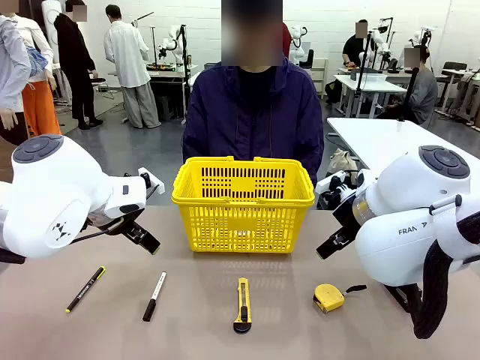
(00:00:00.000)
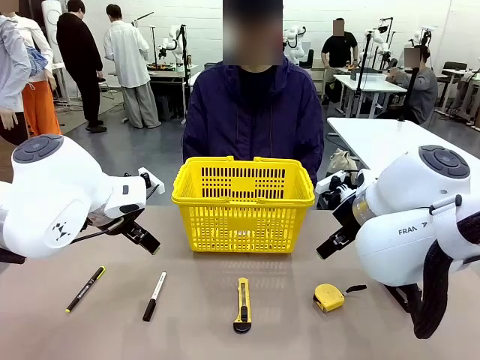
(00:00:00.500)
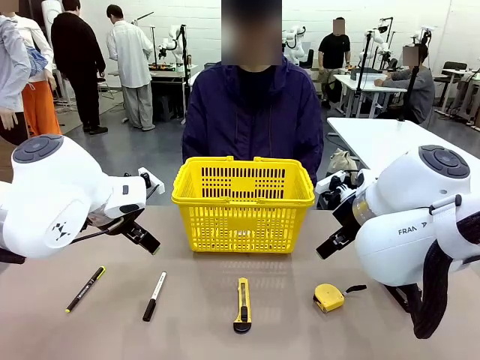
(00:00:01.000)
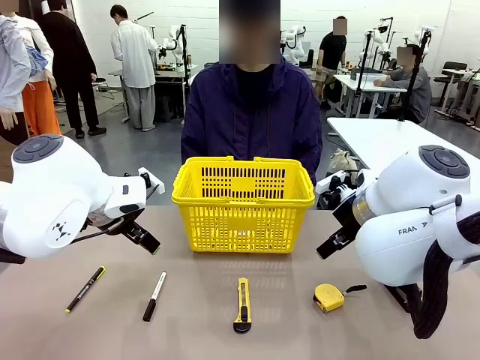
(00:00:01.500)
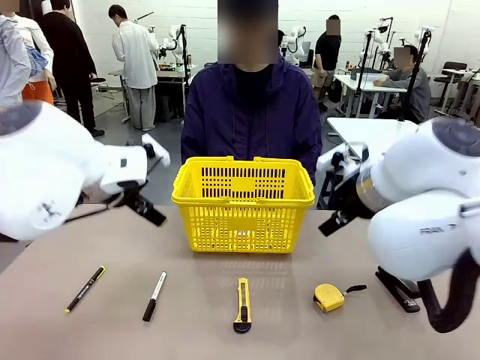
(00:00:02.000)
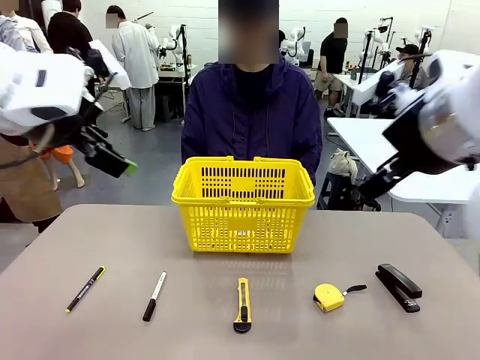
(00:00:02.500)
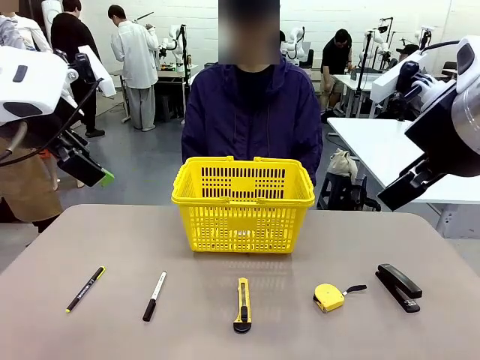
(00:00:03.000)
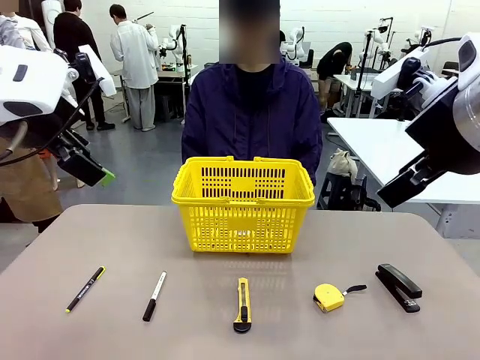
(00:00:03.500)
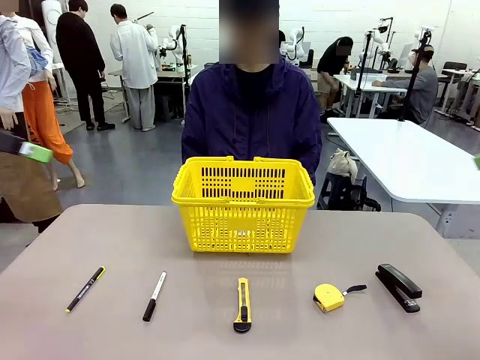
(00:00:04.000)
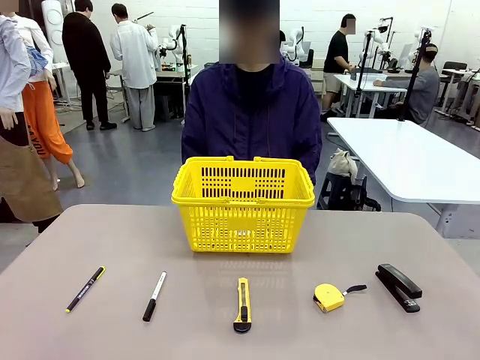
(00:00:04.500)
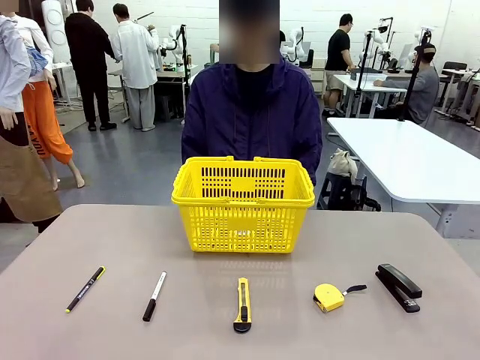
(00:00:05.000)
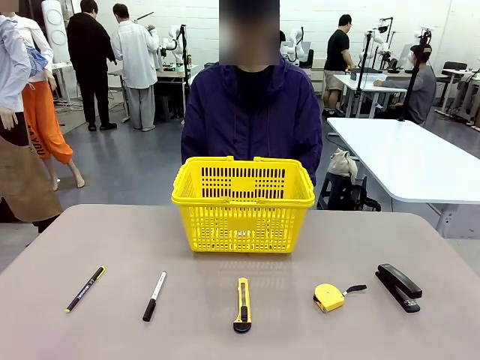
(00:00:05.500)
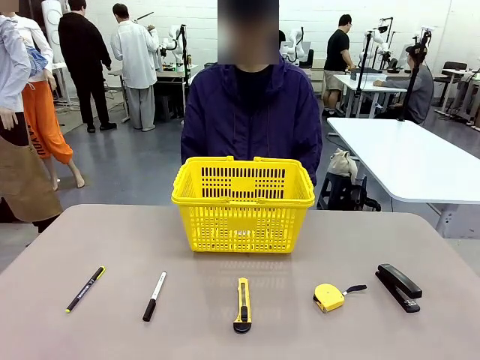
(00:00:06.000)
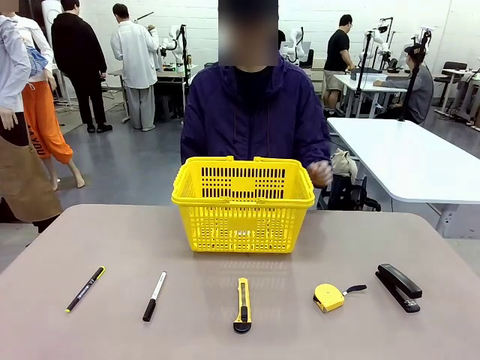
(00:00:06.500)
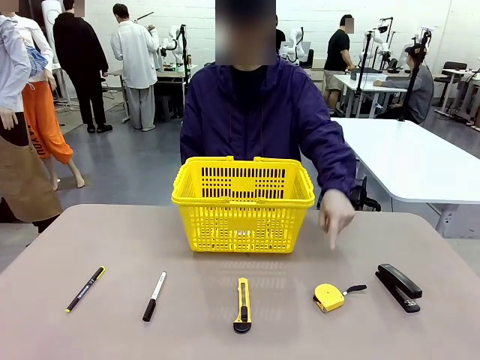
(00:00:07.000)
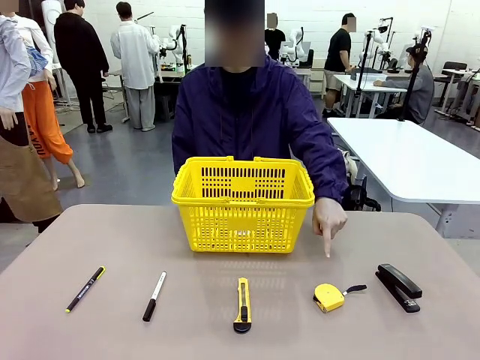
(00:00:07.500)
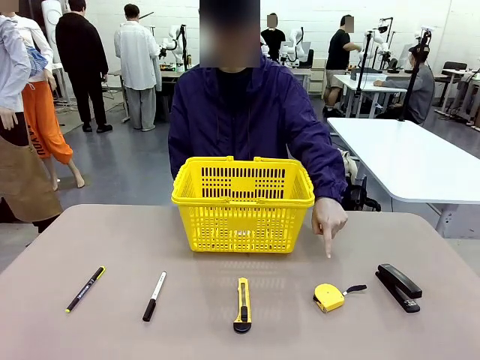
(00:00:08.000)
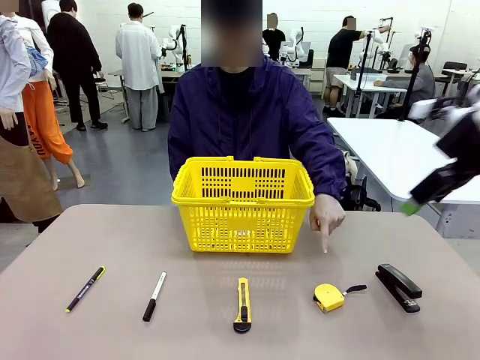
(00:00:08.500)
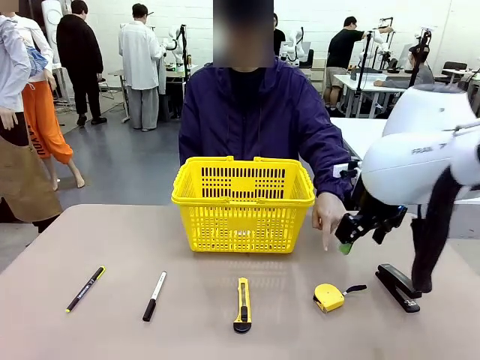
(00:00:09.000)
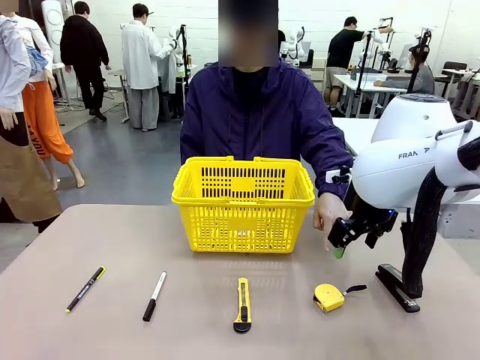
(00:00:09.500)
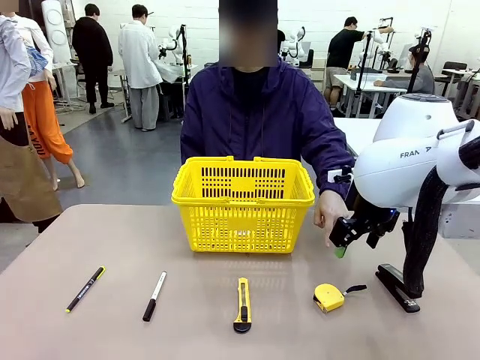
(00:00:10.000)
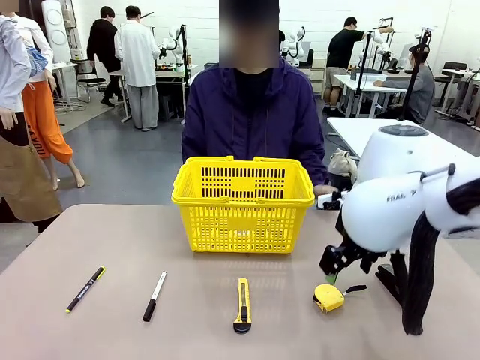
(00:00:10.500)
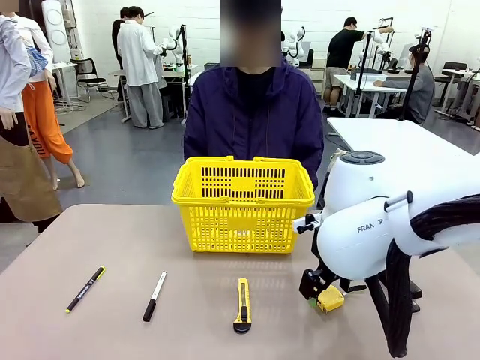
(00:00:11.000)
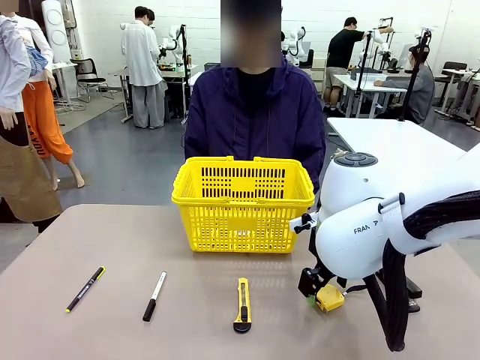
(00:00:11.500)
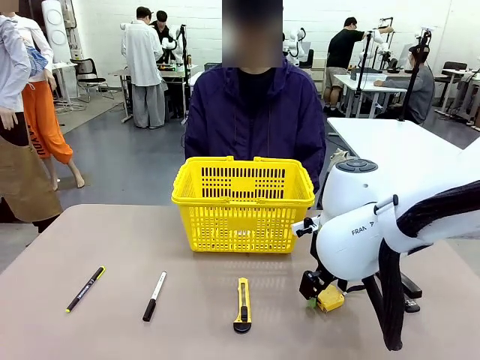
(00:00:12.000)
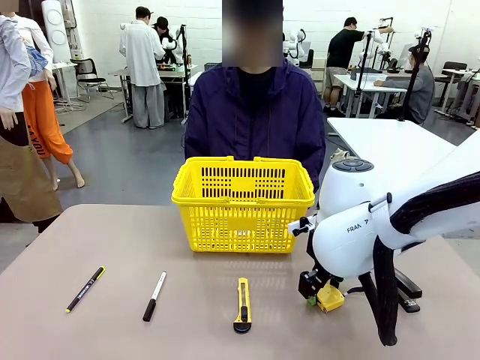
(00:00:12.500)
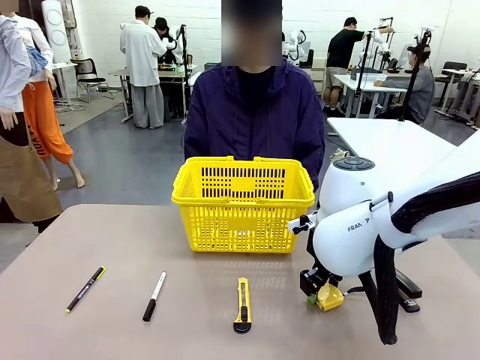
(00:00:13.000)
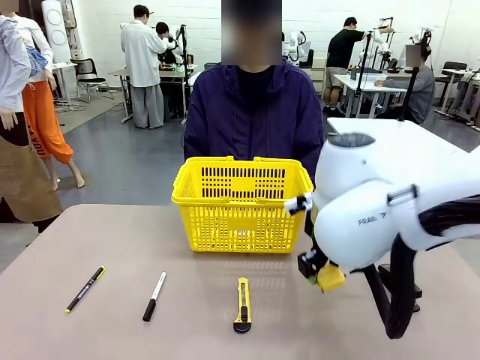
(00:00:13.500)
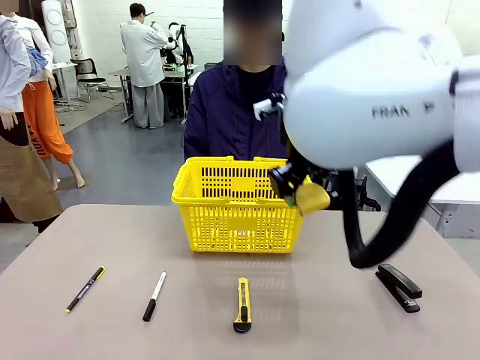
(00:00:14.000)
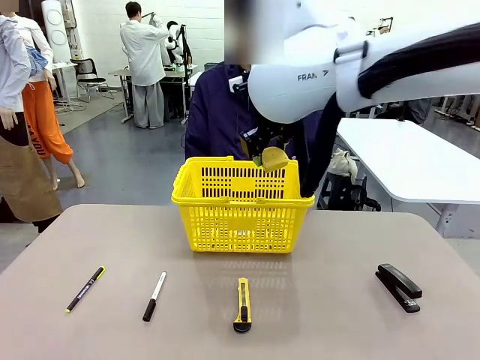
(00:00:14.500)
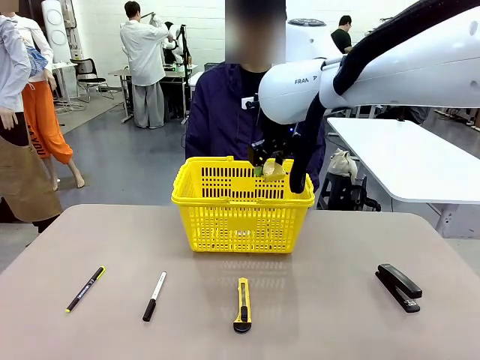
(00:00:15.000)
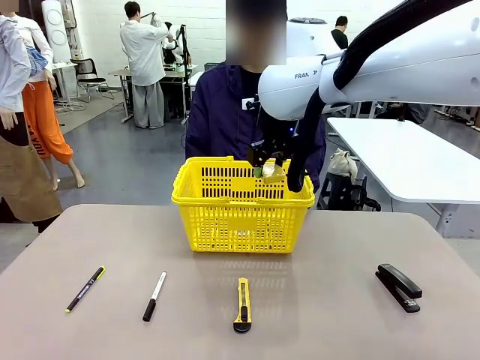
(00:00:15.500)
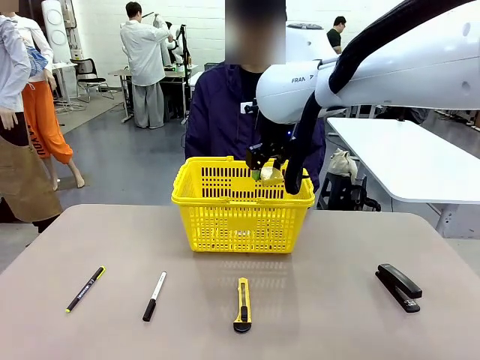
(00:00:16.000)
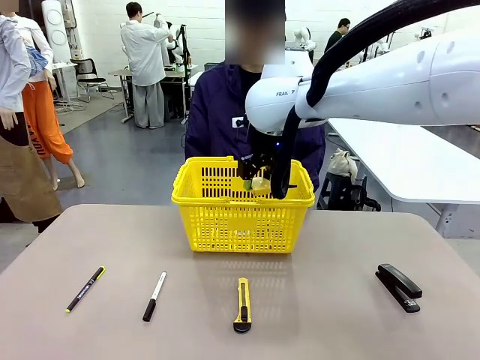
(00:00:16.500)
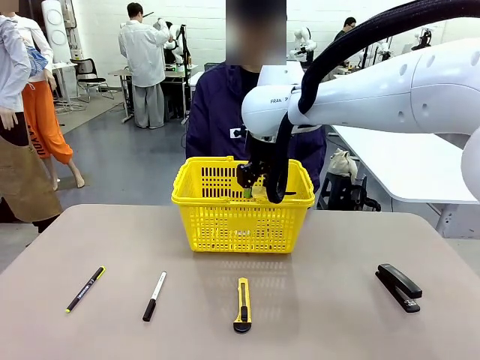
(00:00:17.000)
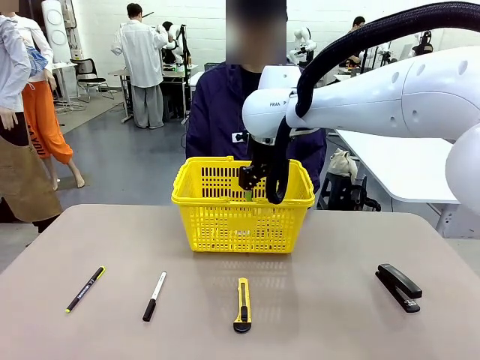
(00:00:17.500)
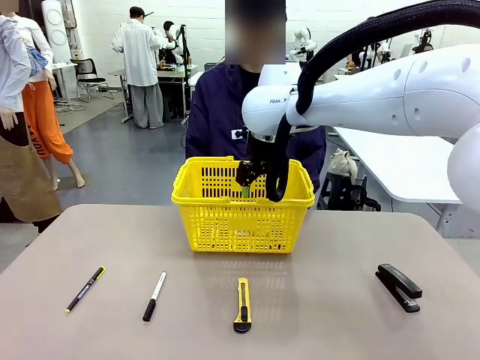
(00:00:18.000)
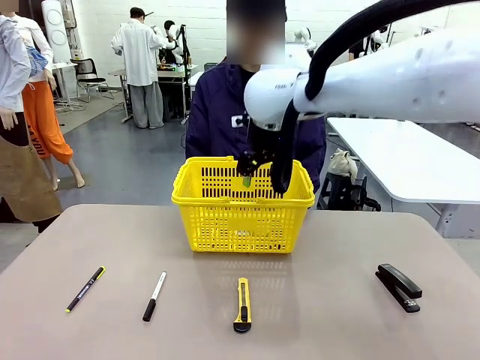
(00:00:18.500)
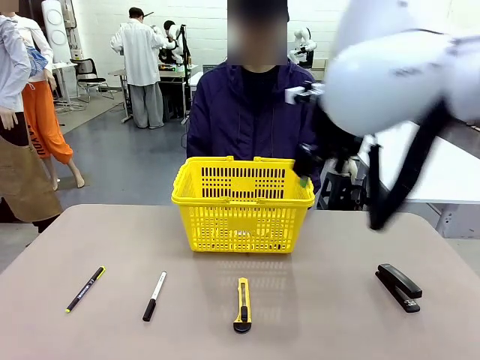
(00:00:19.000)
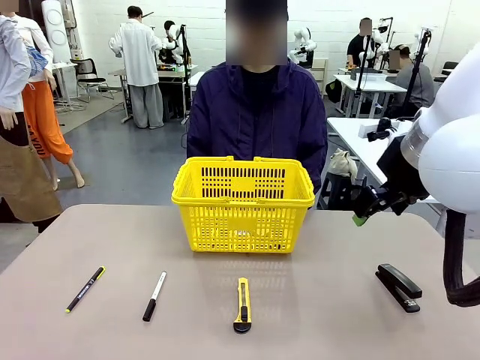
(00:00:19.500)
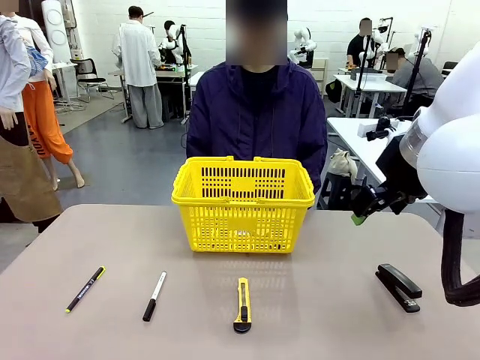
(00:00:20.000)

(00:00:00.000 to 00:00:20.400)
Task: Place the items the person wants into the basket.
Robot: Pick up the item the person points to and place it in the Market Basket.
